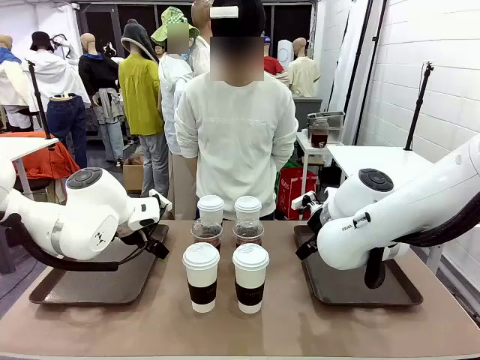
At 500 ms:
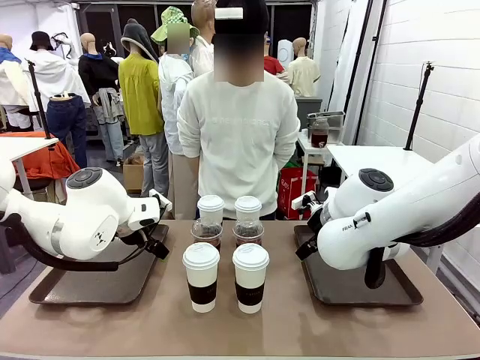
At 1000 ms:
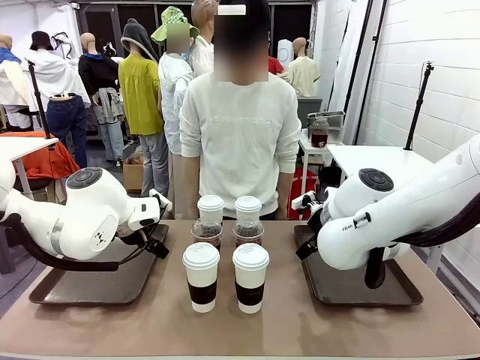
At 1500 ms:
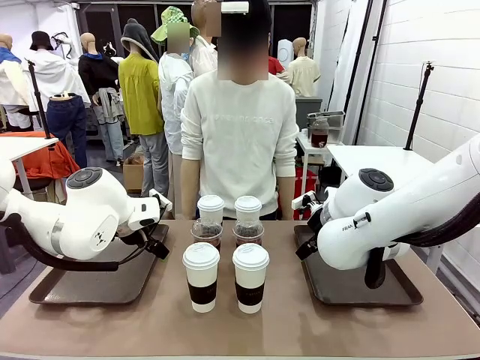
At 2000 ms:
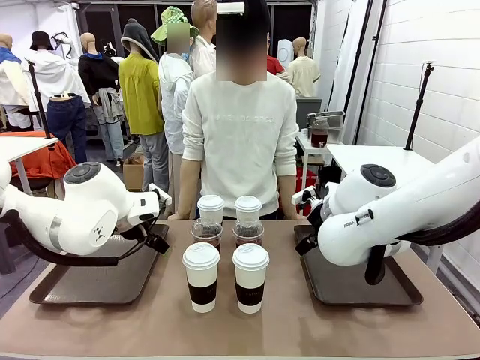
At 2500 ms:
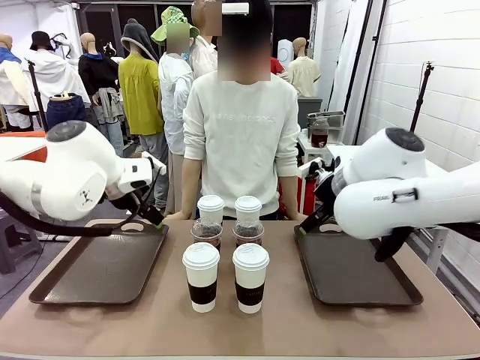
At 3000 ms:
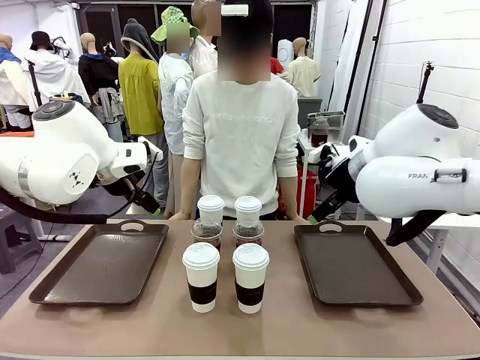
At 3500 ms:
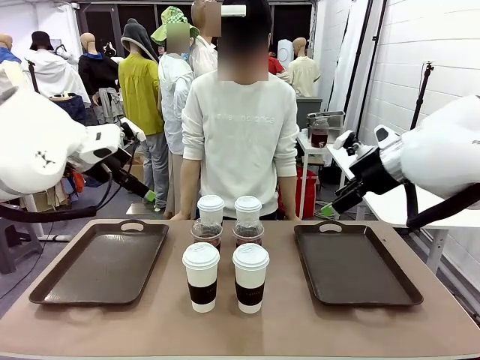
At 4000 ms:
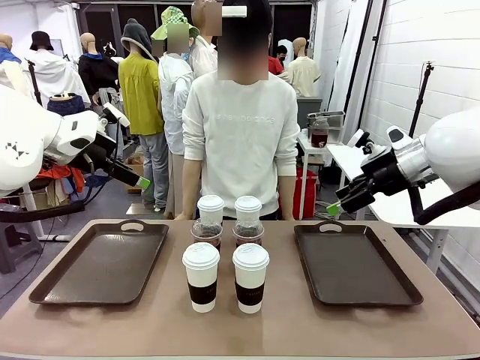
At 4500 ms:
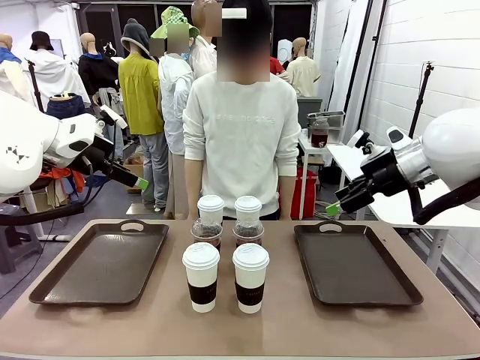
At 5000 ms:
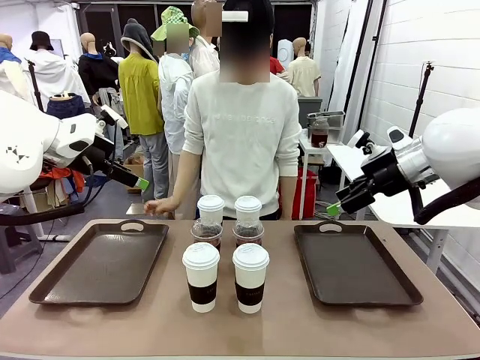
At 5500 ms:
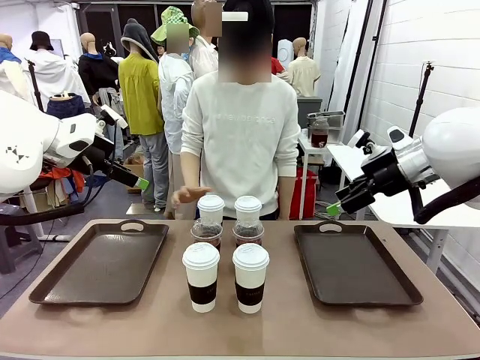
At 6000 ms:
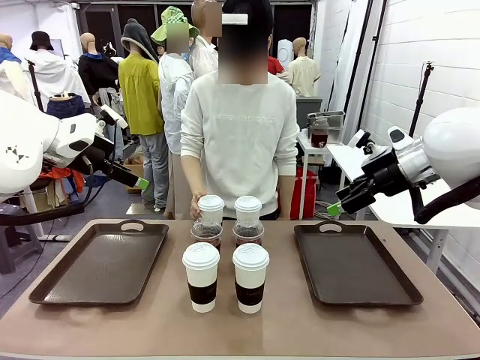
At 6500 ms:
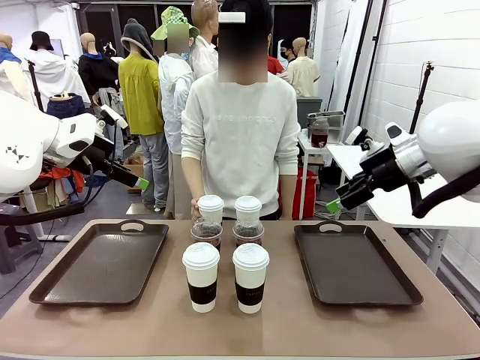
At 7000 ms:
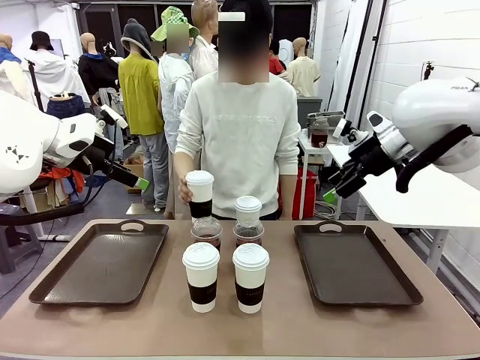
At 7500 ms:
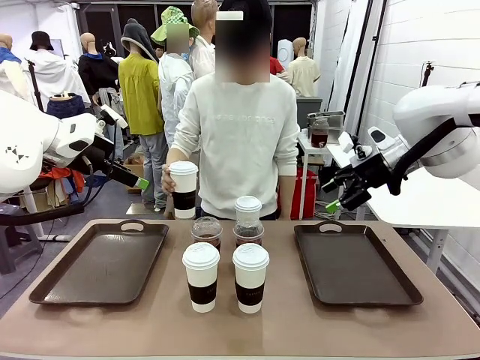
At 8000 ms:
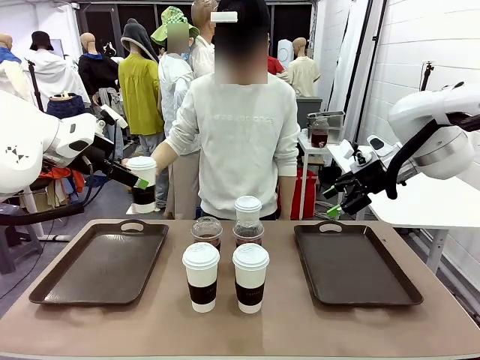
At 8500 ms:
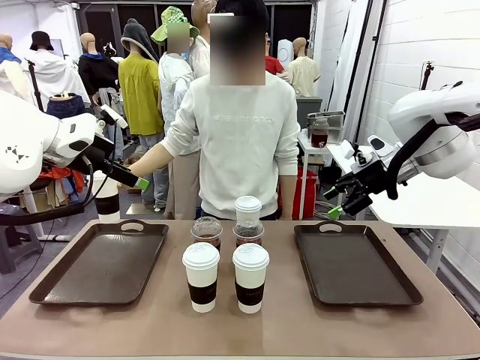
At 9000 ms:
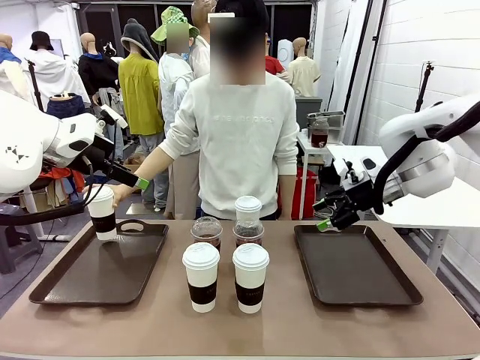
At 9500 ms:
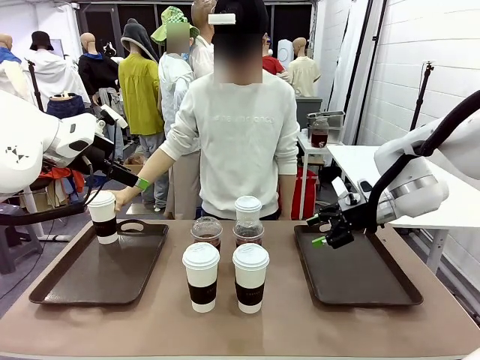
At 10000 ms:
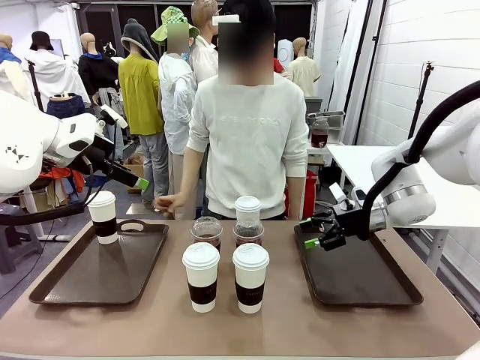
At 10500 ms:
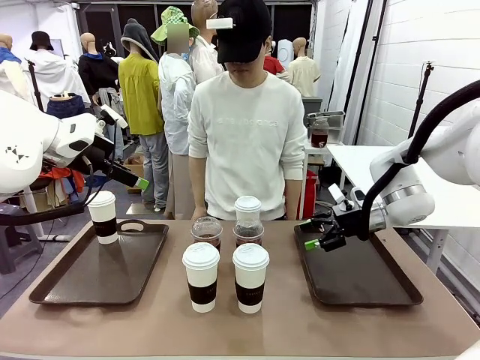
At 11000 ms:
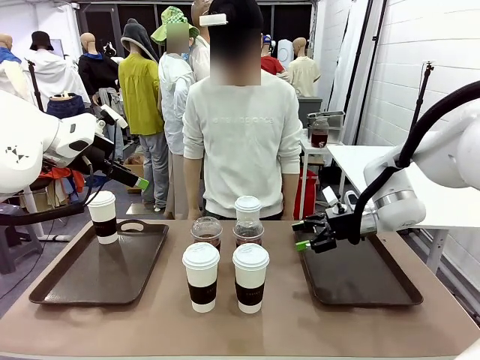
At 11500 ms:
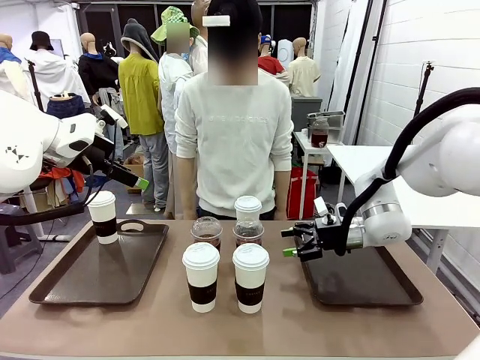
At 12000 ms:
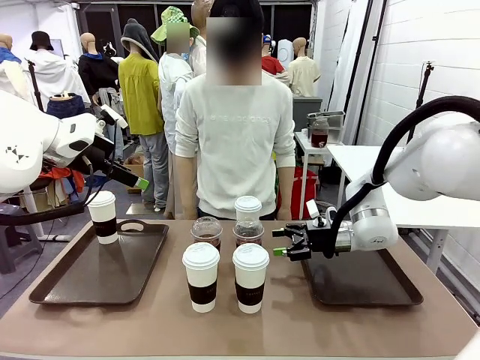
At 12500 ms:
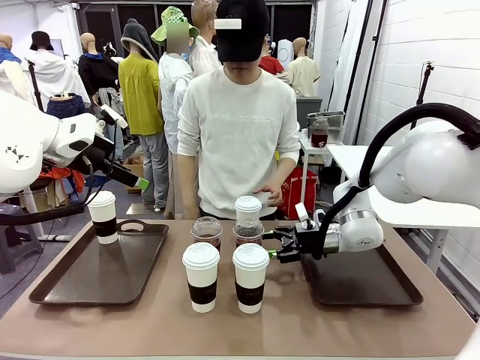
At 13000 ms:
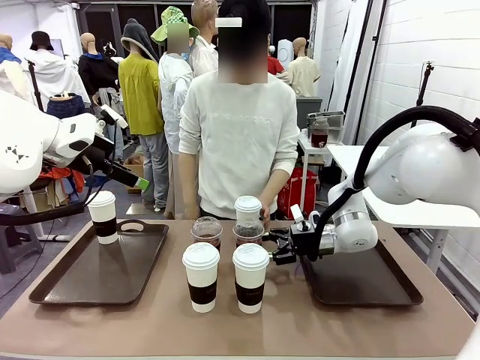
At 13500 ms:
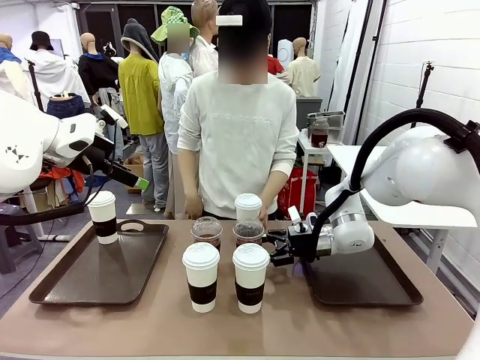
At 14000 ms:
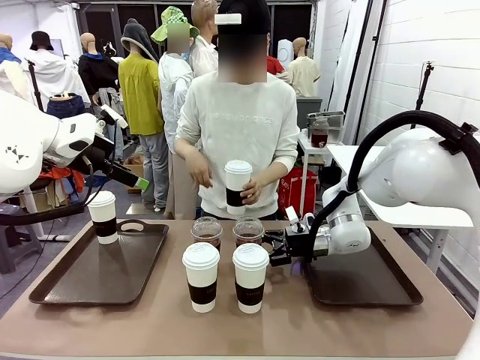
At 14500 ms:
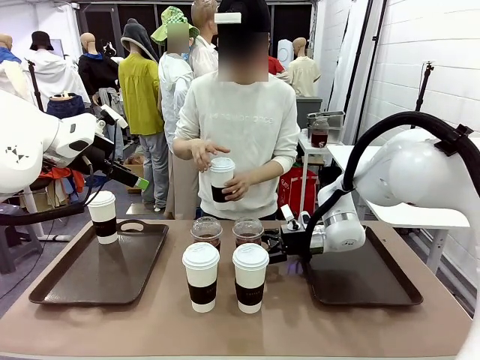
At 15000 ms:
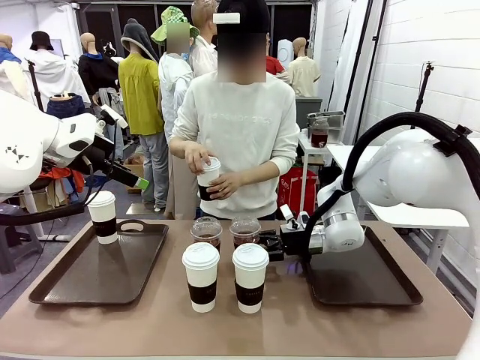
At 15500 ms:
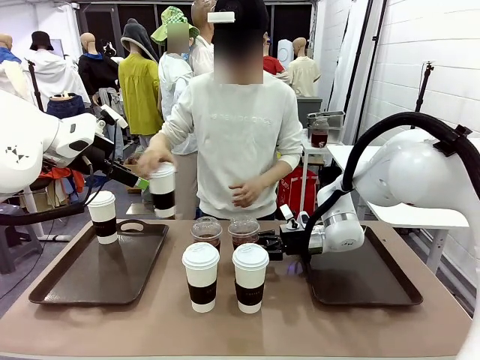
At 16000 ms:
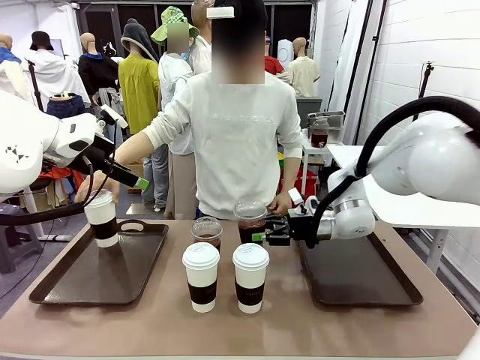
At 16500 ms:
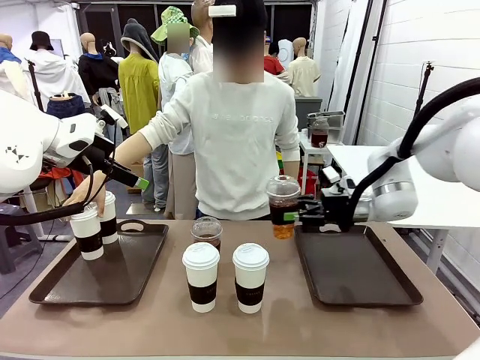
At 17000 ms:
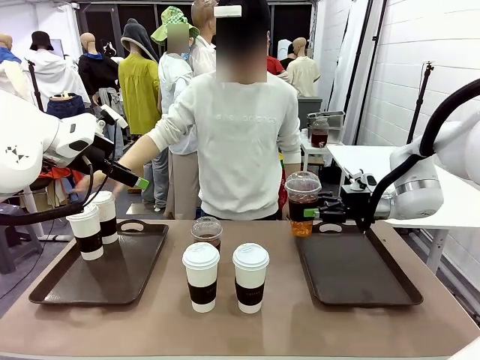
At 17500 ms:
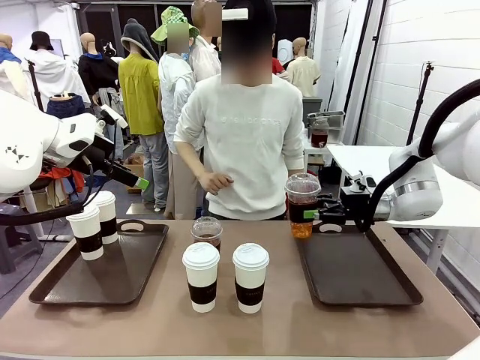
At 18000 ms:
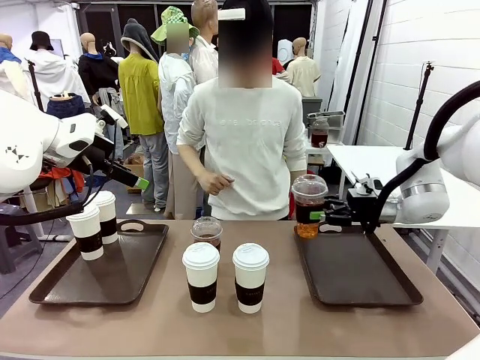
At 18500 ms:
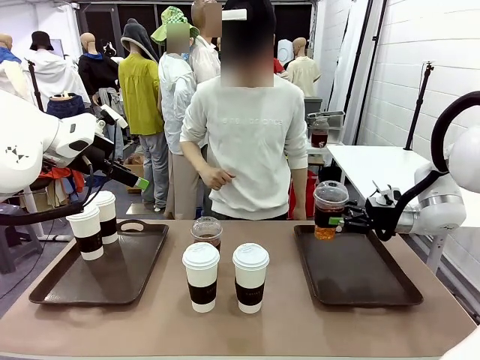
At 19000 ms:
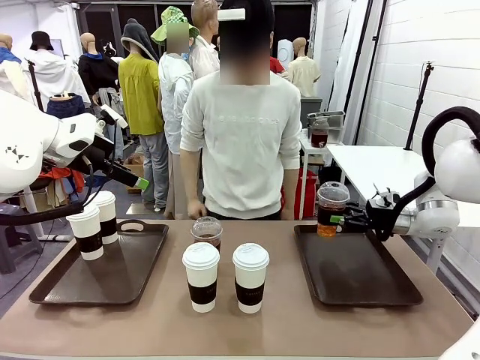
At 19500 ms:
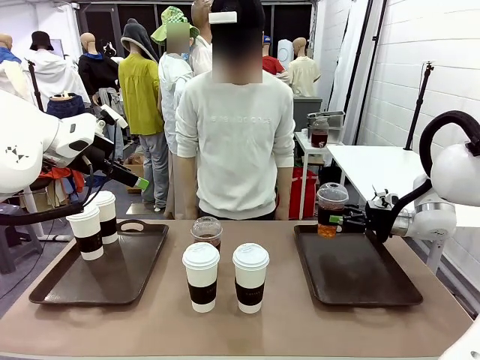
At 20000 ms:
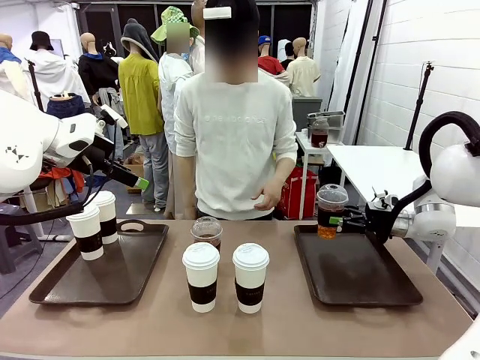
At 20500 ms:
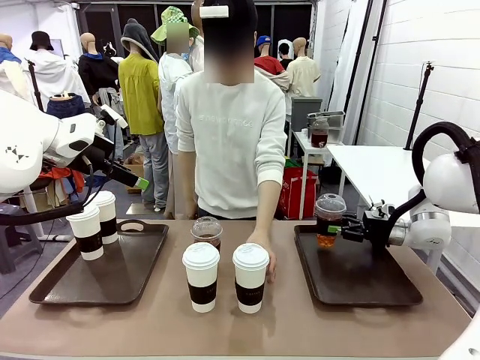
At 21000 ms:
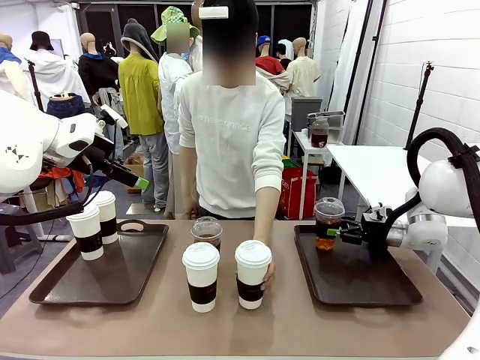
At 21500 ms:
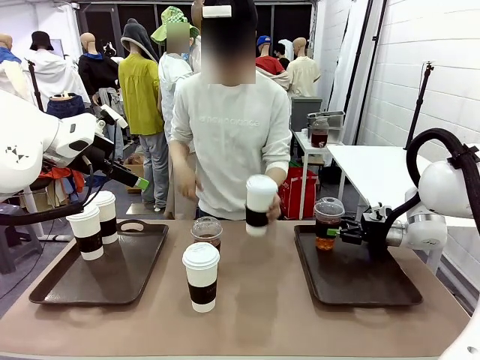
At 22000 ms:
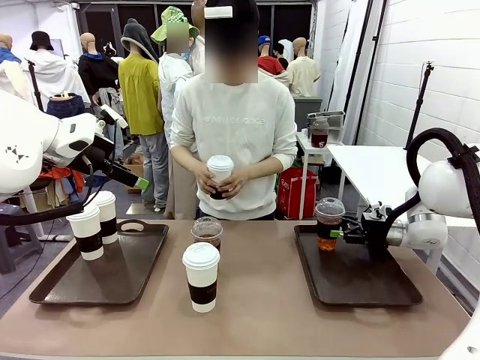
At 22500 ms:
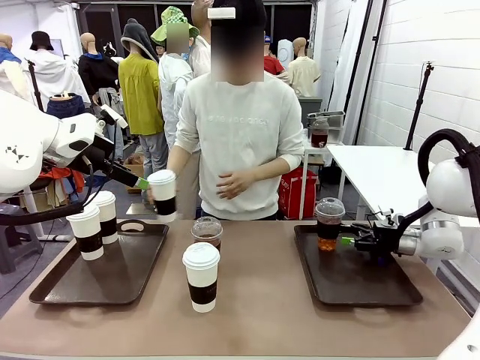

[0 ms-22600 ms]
Task: Distribute the coffee onto the tray.
Robot: Pick up one iced Americano and place it on the right Handle tray.
Person: Pick up a cup of hot Americano and place it on the right tray.
